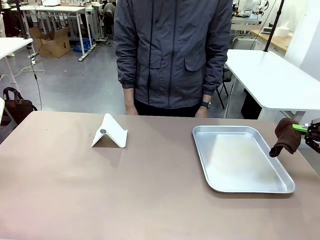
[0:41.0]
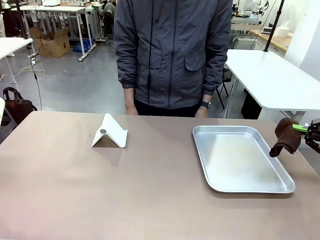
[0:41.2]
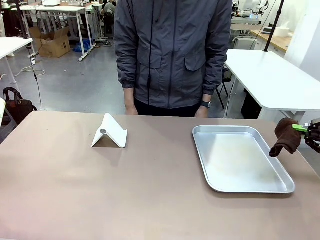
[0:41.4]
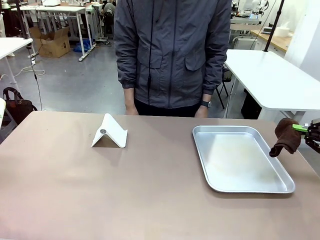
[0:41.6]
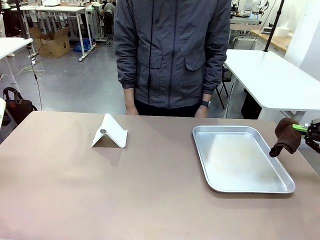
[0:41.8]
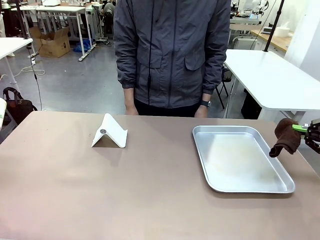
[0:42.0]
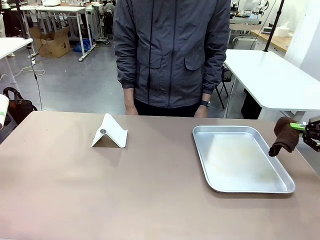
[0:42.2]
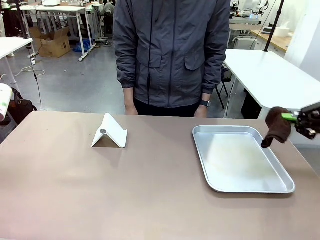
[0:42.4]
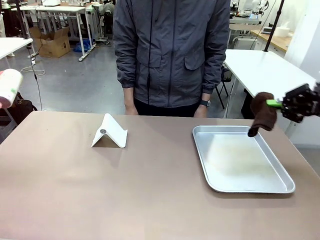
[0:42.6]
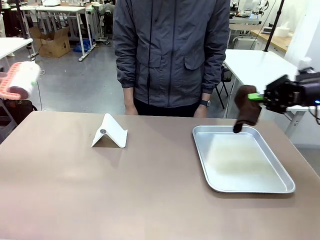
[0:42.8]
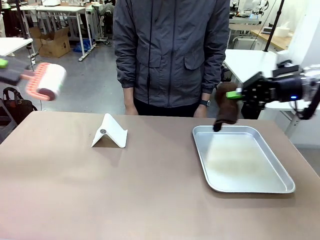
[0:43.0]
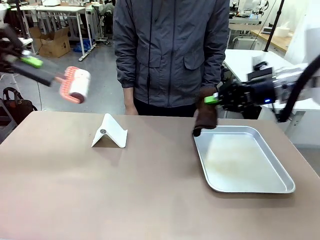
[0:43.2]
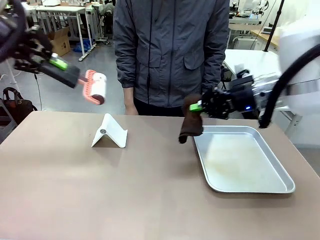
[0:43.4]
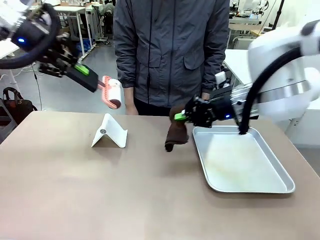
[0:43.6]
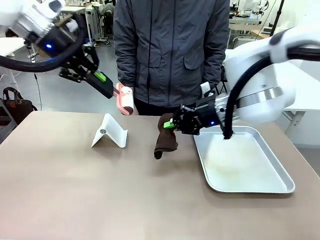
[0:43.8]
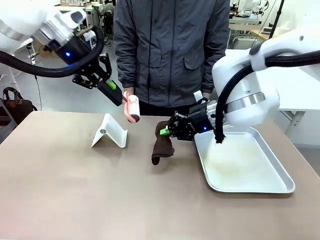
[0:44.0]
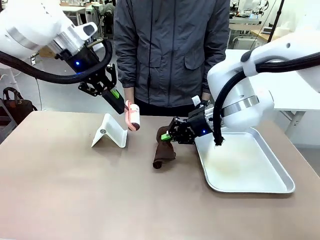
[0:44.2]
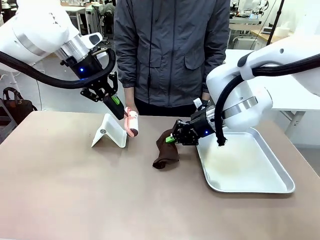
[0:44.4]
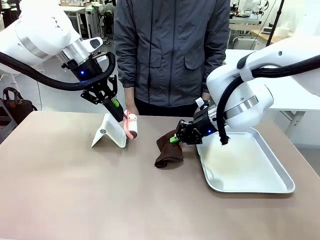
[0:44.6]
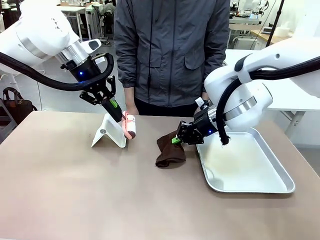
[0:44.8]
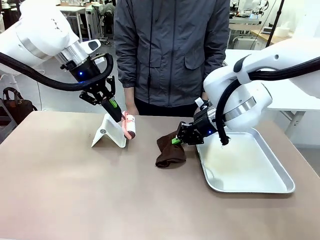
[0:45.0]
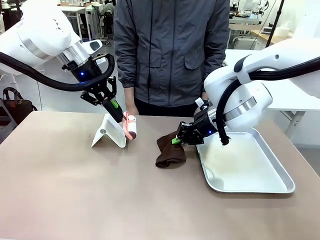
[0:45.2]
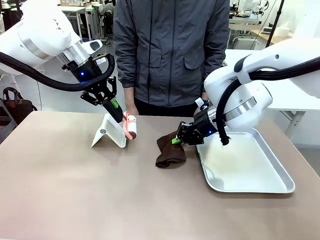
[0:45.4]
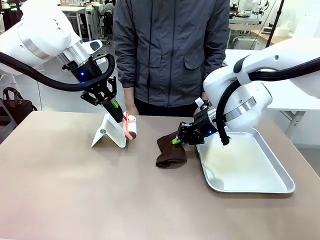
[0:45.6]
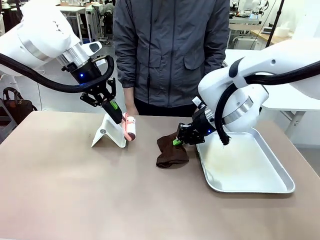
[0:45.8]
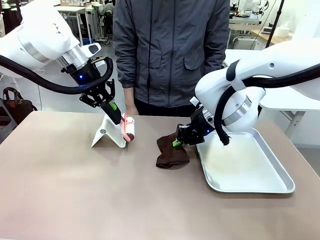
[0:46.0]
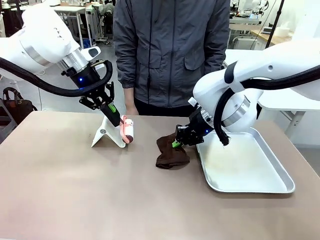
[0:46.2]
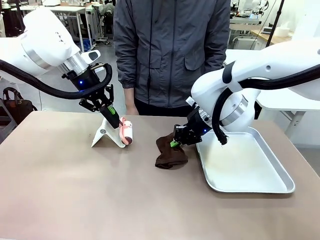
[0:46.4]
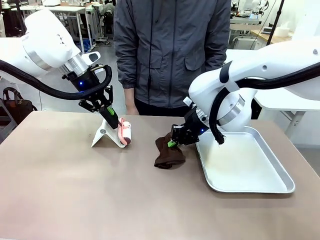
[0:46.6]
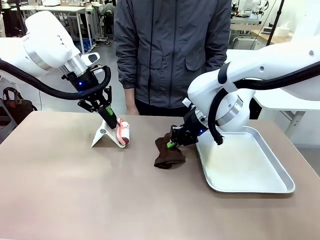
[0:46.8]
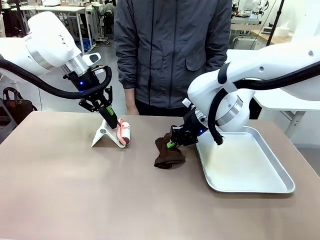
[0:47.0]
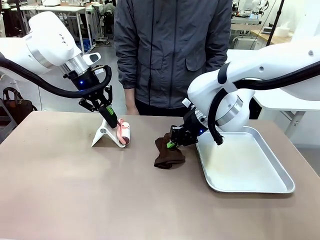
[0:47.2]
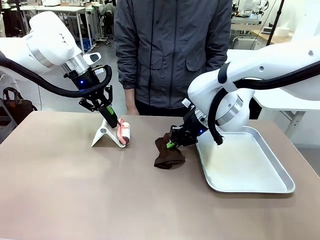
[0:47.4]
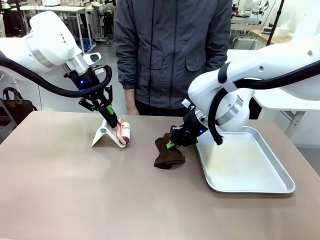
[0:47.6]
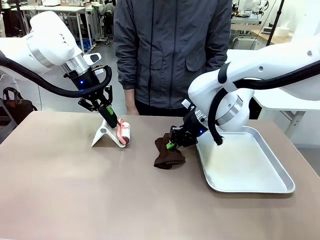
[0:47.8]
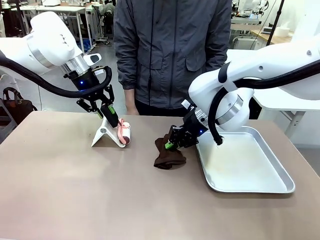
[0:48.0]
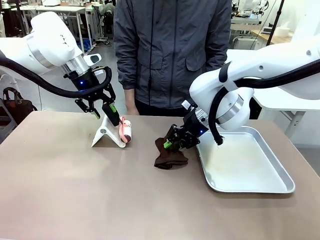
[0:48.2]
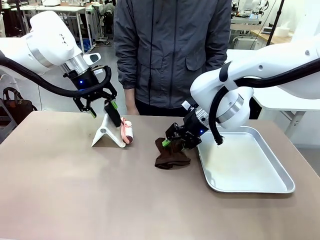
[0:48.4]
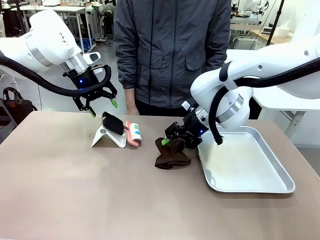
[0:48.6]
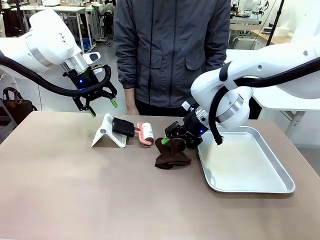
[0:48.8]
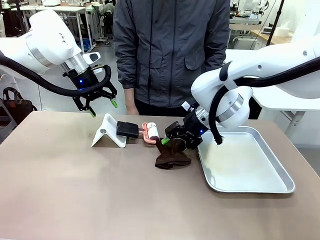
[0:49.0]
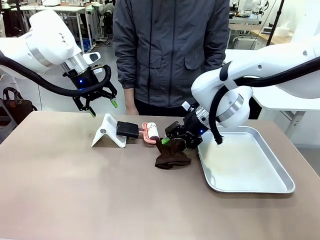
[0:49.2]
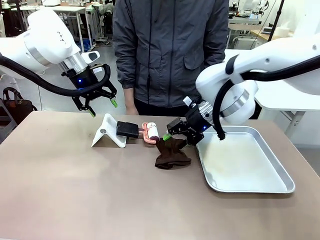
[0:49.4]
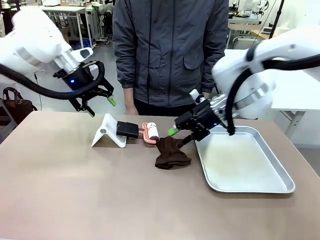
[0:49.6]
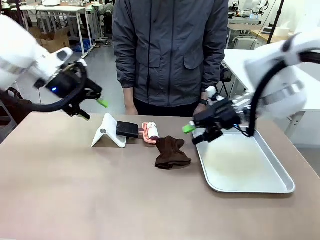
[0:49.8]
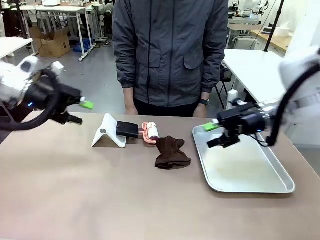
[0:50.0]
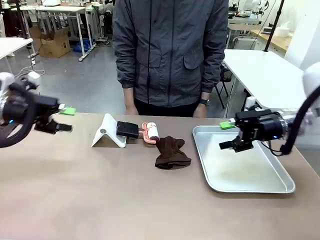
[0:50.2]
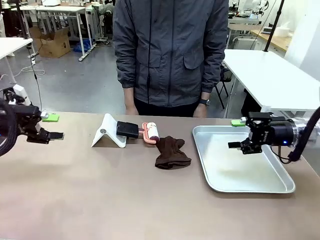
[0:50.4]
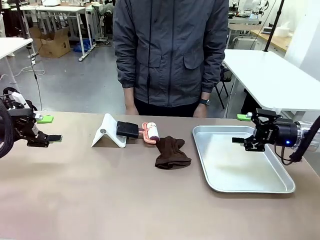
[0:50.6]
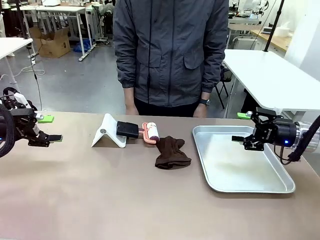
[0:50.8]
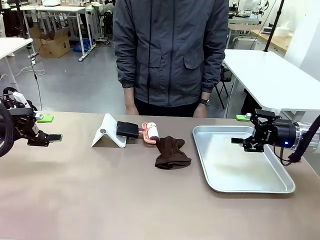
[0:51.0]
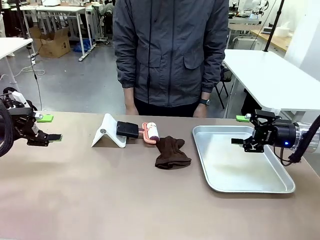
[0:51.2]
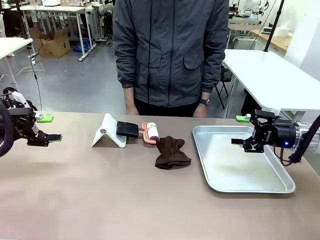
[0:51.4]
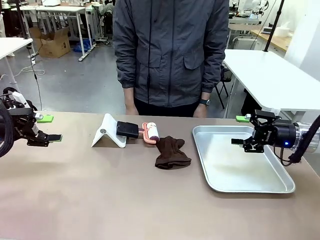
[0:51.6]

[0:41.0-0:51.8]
Task: Clean the surface of the table.
Robot: Return the Lint Roller and towel to their original positions.

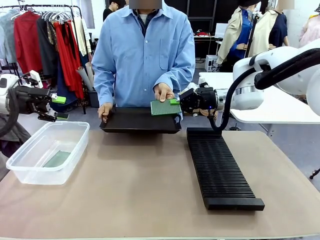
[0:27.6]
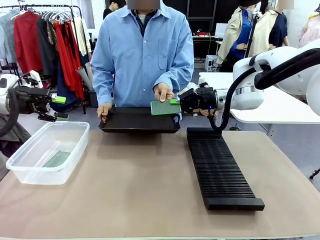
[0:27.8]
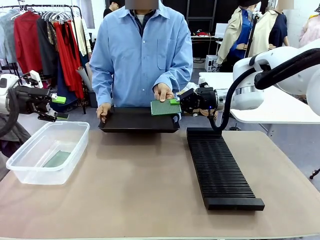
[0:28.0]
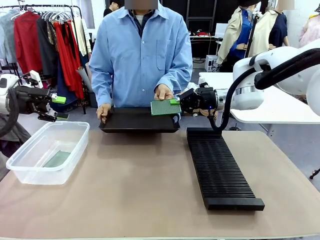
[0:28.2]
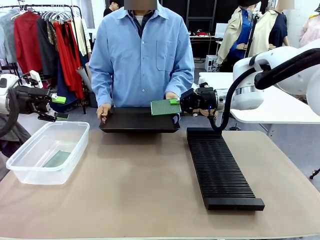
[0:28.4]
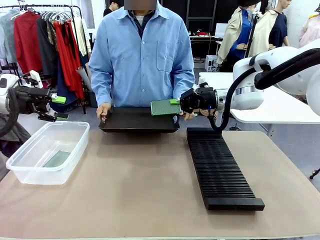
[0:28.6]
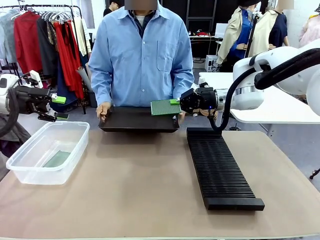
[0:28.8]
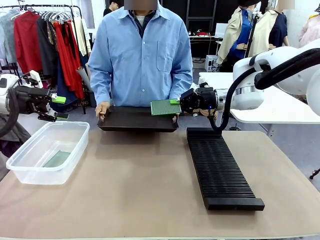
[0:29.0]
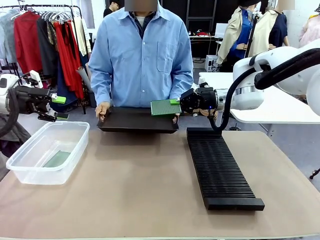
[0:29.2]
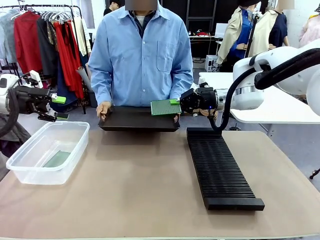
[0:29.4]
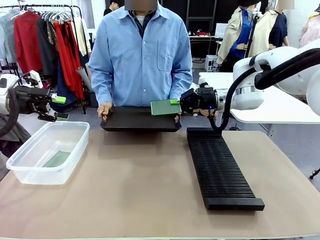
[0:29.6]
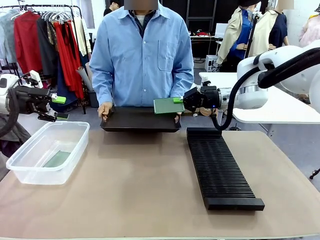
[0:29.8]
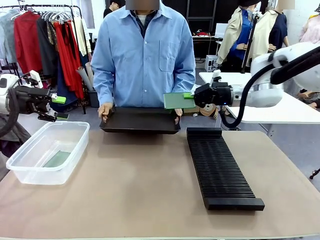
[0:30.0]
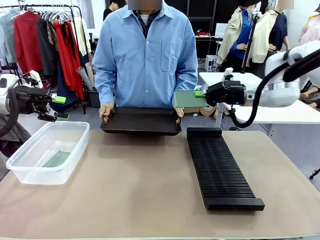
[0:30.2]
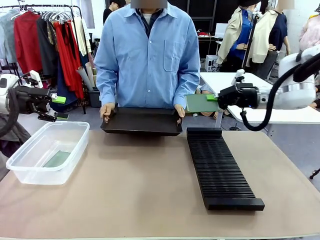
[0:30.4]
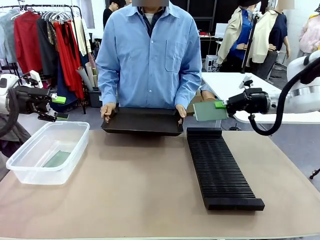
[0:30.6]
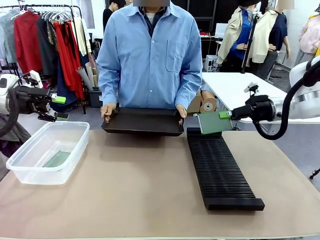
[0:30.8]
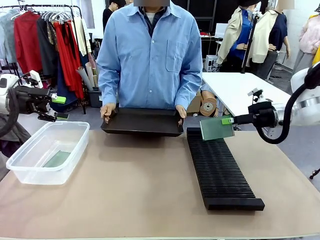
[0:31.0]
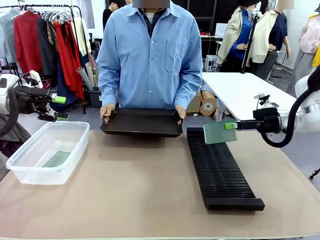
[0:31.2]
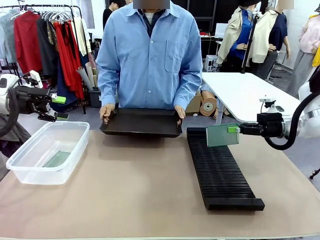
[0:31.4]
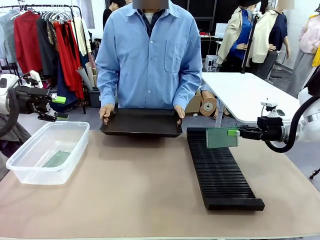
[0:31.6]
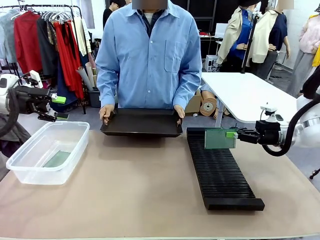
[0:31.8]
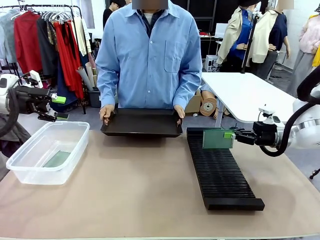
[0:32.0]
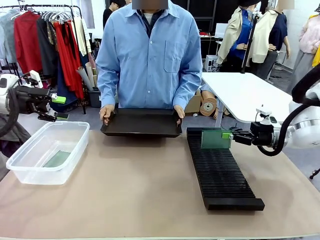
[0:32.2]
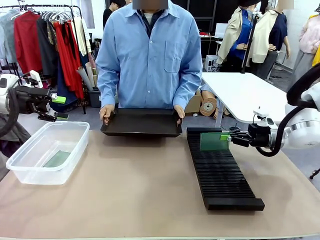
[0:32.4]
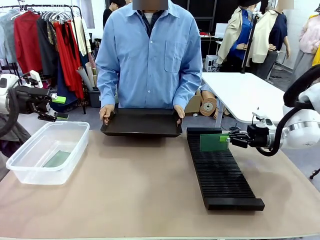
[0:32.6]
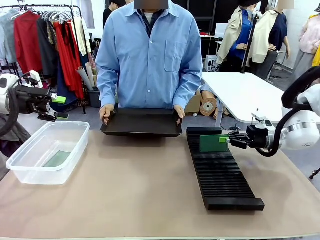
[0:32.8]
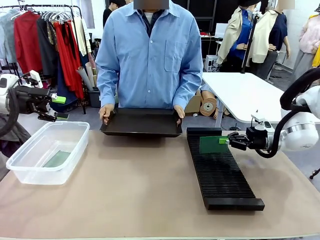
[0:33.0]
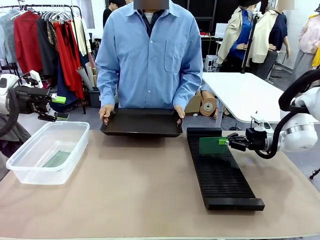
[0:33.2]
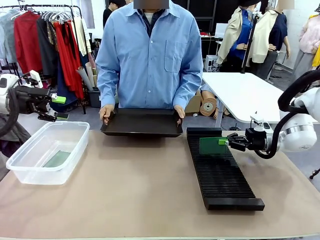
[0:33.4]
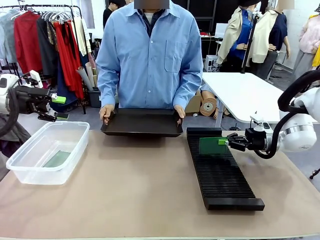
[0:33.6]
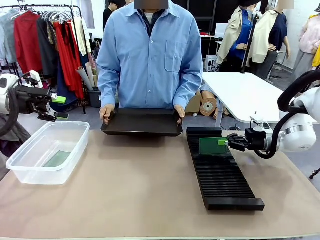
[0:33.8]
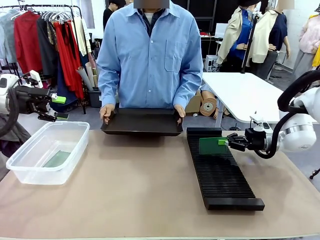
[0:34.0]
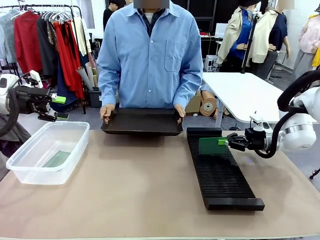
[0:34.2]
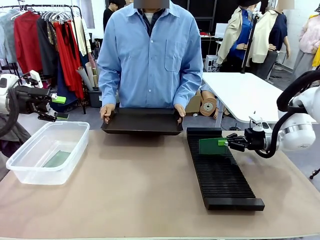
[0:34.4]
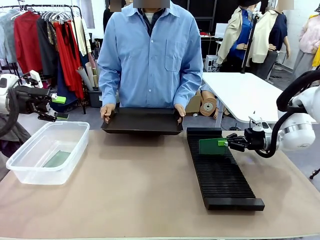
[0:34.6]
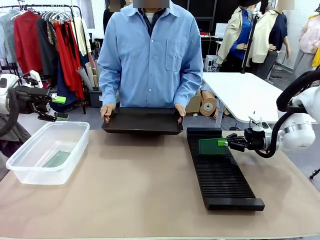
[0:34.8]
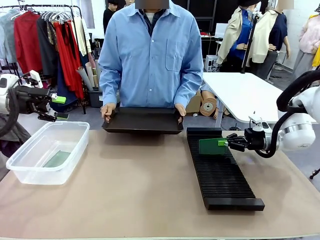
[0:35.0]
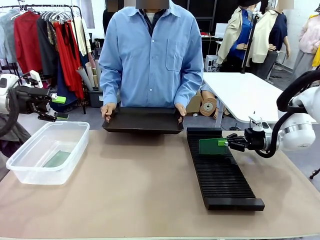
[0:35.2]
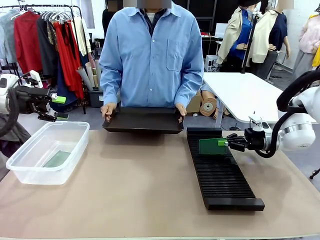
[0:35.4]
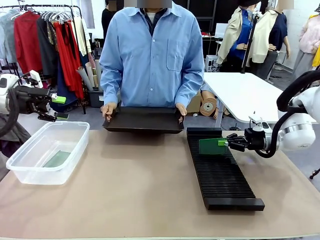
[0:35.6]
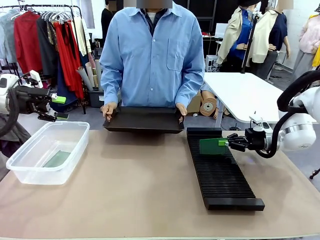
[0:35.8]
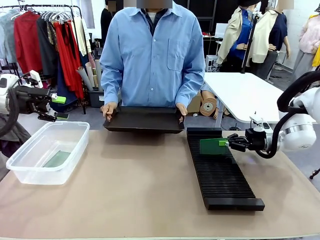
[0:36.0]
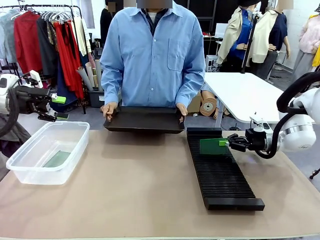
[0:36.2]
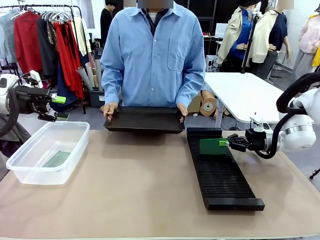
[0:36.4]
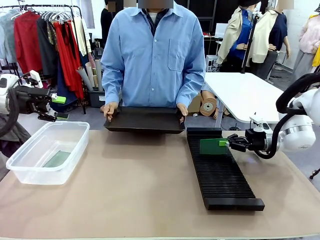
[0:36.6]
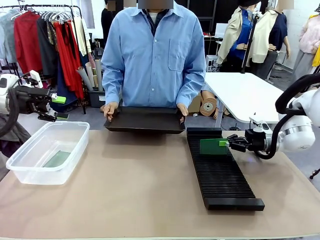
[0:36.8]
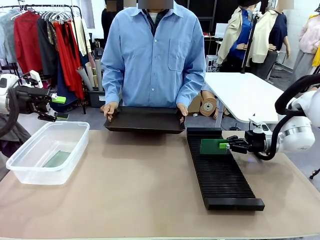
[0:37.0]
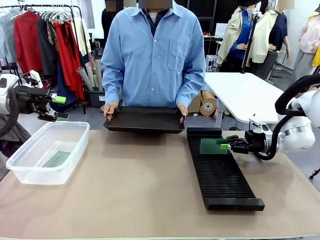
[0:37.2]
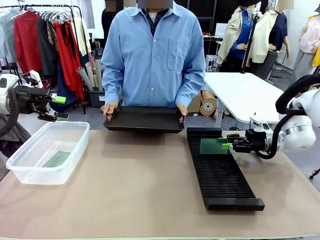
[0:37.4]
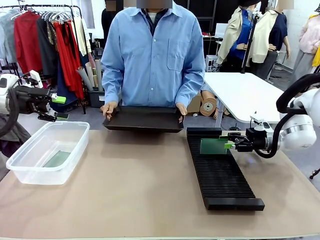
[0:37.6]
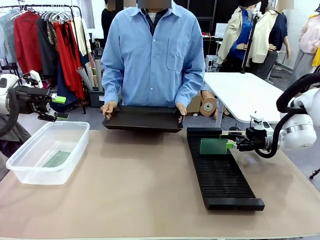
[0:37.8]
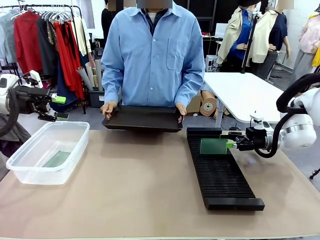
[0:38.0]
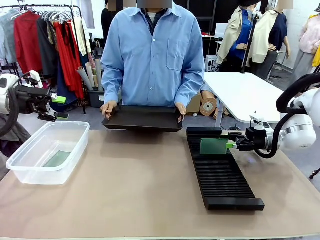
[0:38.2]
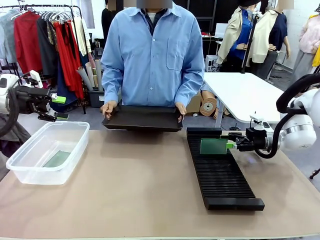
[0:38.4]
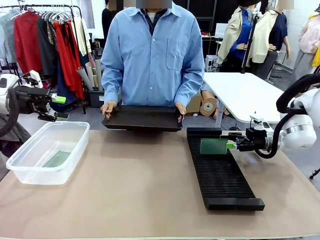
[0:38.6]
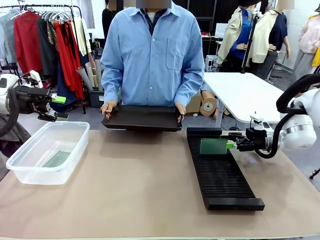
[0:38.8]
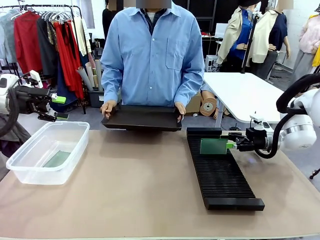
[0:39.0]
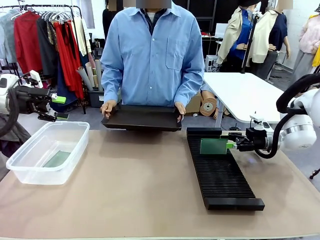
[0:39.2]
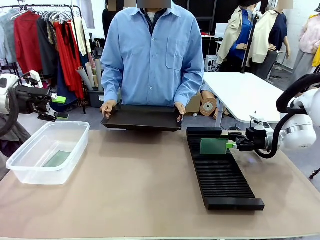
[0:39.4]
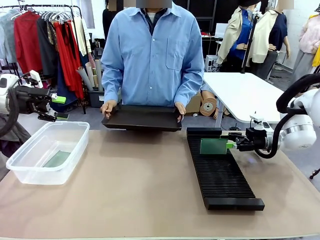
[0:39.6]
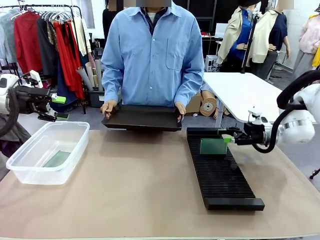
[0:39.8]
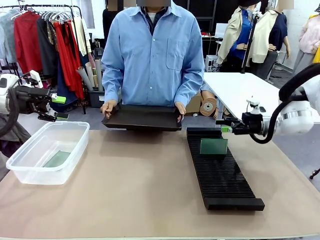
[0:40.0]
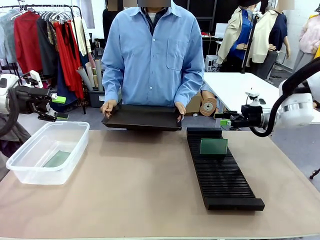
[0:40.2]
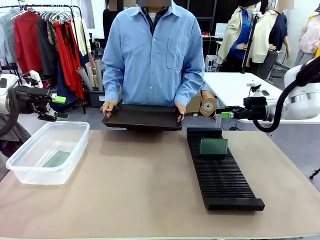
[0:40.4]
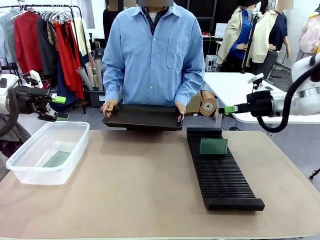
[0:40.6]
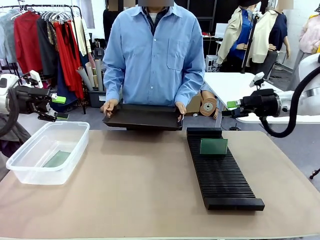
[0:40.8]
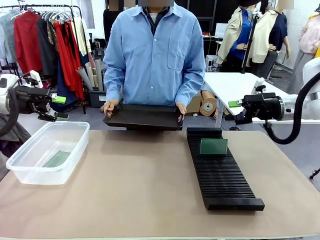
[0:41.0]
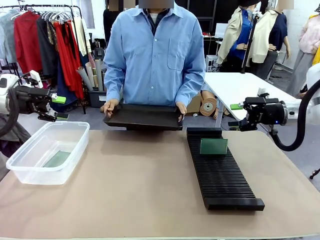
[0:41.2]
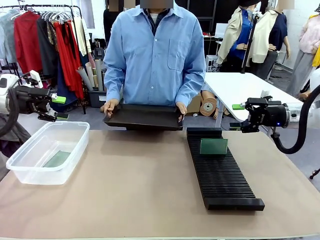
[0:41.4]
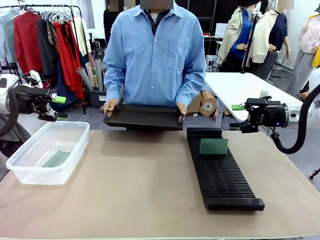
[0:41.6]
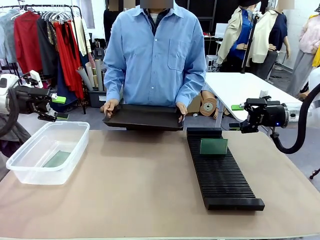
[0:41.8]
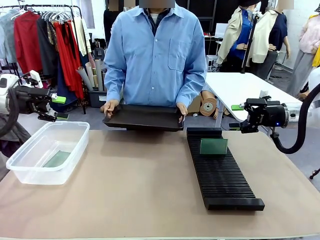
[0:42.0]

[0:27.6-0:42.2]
Task: Sort PCBs into racks and boxes based on the side picked up.
Robot: If the short side of the Blank PCB is picked up, insert it into the PCB Rack ; if the long side is picked up, place it in the Organizing box.
Person: Release the PCB being held.
